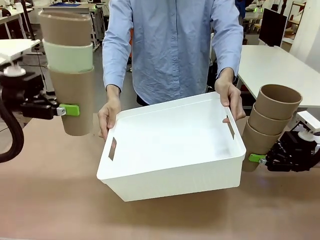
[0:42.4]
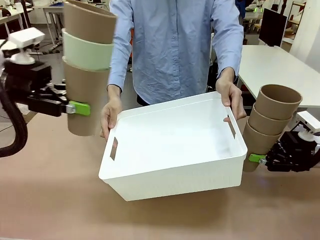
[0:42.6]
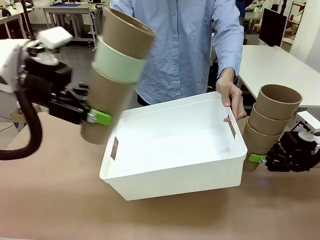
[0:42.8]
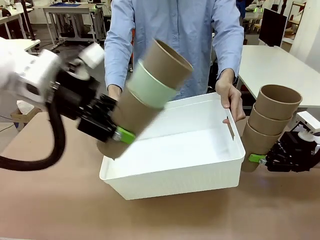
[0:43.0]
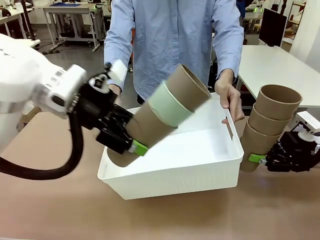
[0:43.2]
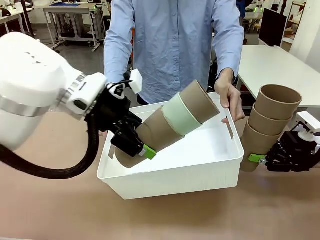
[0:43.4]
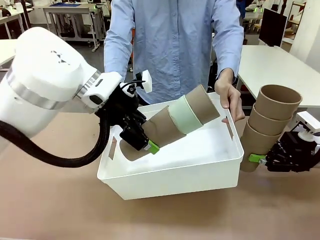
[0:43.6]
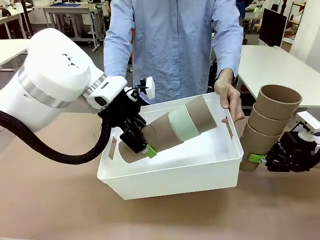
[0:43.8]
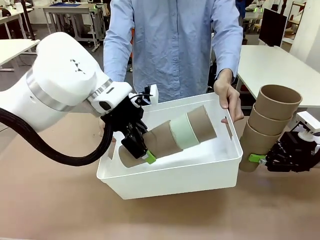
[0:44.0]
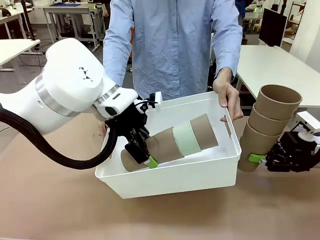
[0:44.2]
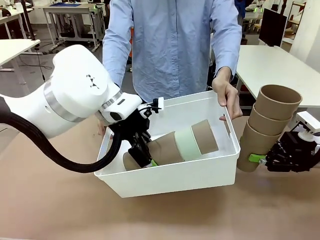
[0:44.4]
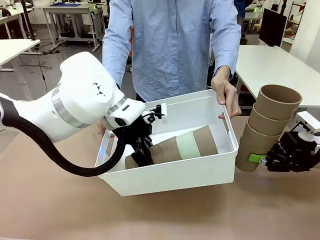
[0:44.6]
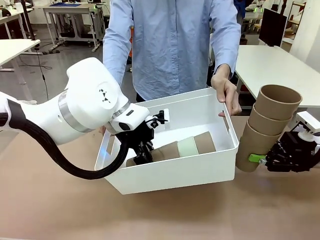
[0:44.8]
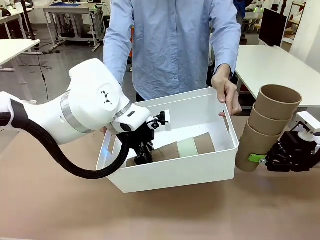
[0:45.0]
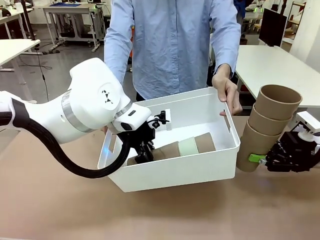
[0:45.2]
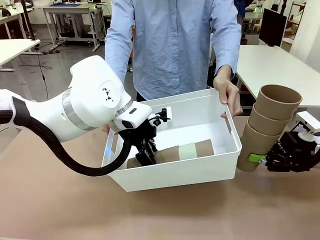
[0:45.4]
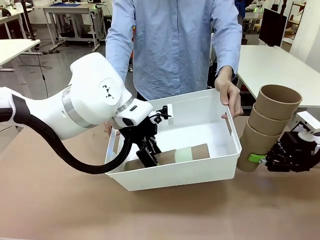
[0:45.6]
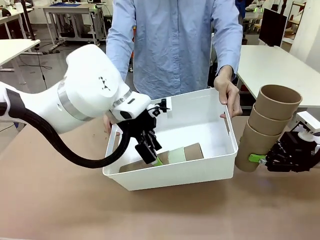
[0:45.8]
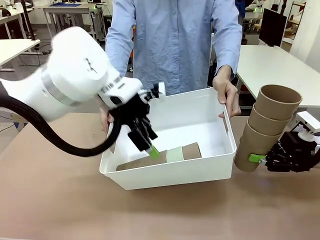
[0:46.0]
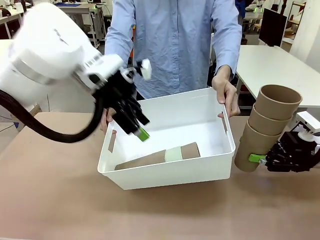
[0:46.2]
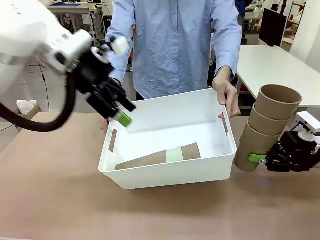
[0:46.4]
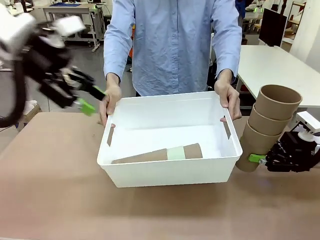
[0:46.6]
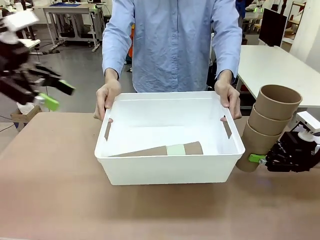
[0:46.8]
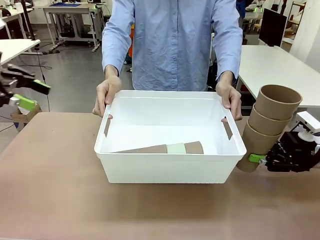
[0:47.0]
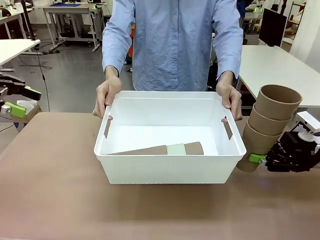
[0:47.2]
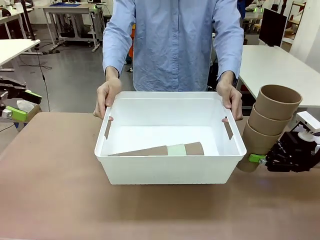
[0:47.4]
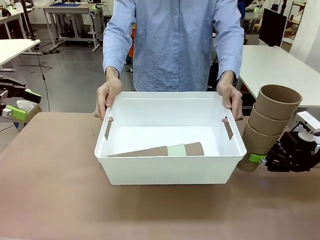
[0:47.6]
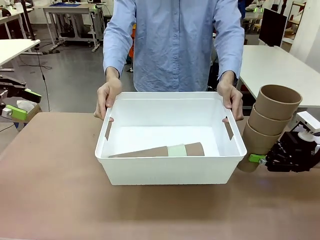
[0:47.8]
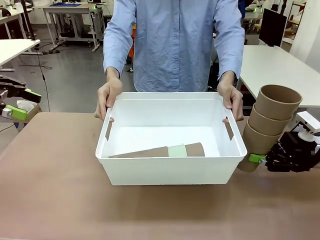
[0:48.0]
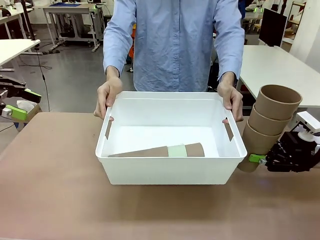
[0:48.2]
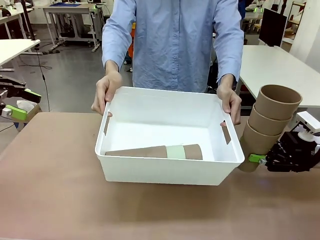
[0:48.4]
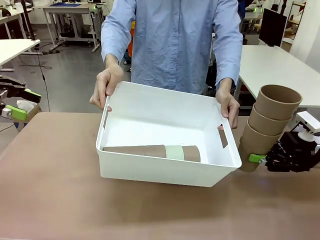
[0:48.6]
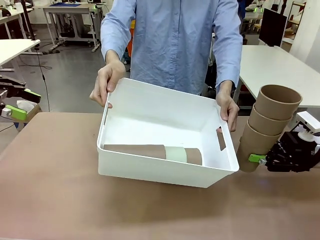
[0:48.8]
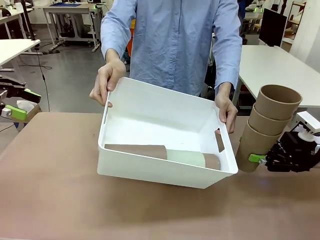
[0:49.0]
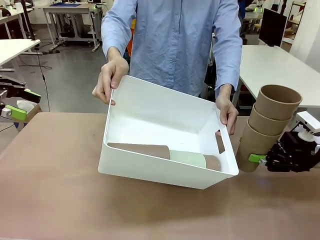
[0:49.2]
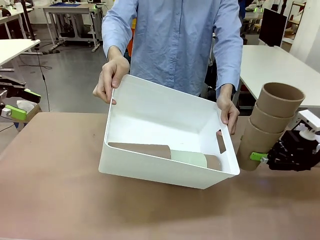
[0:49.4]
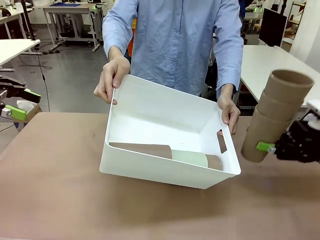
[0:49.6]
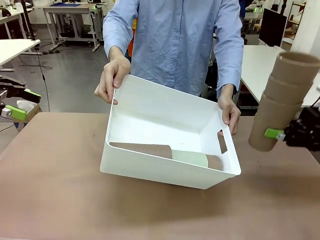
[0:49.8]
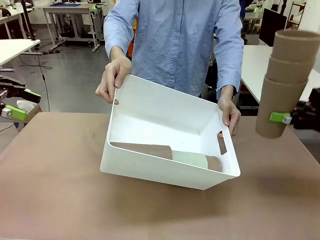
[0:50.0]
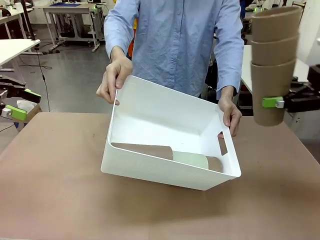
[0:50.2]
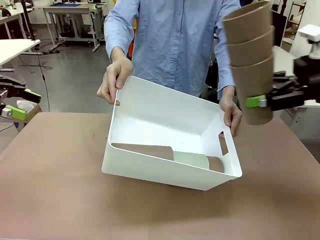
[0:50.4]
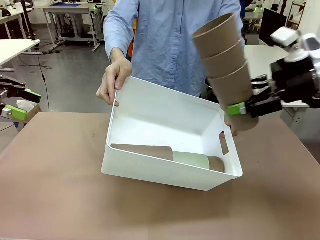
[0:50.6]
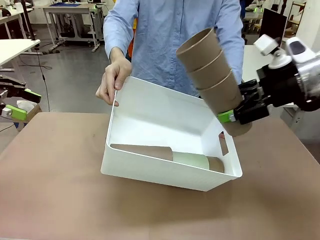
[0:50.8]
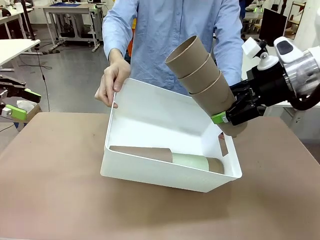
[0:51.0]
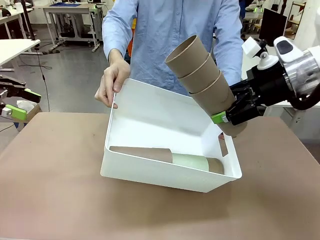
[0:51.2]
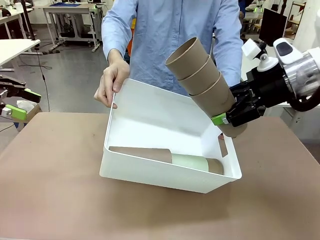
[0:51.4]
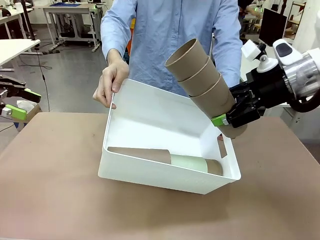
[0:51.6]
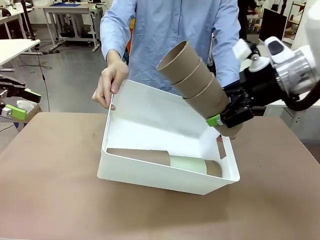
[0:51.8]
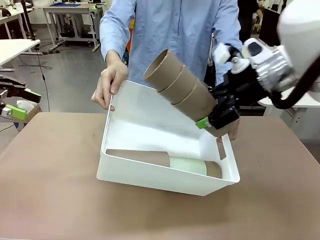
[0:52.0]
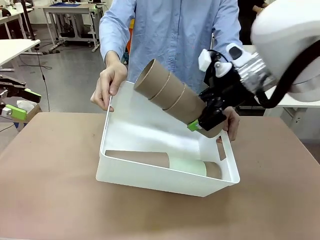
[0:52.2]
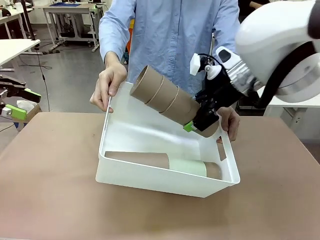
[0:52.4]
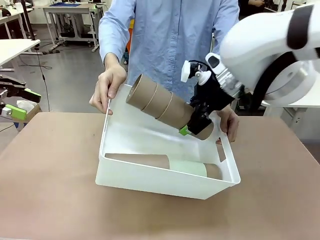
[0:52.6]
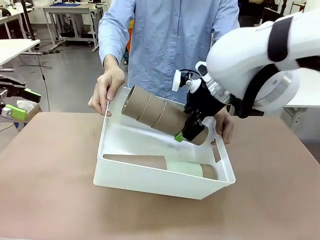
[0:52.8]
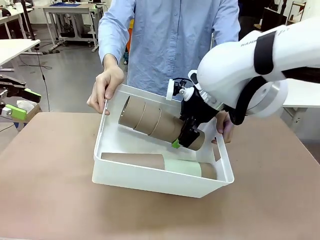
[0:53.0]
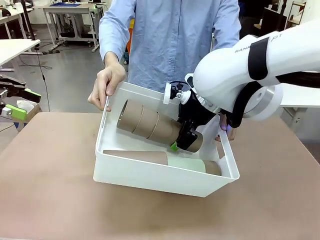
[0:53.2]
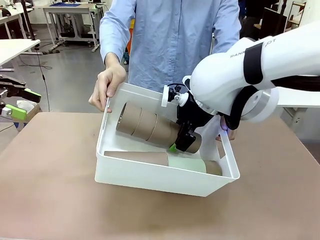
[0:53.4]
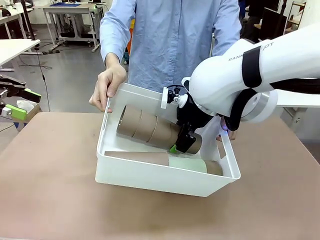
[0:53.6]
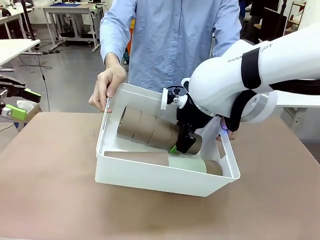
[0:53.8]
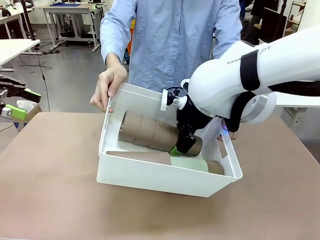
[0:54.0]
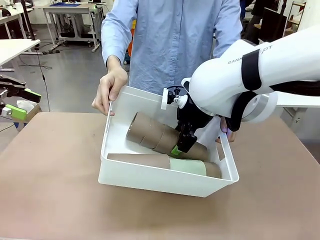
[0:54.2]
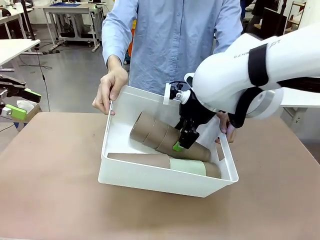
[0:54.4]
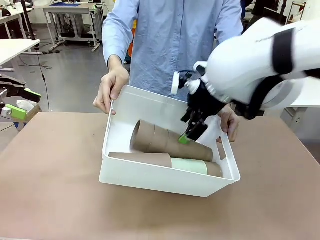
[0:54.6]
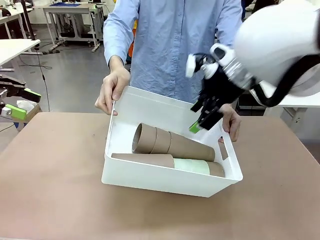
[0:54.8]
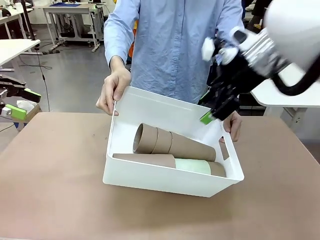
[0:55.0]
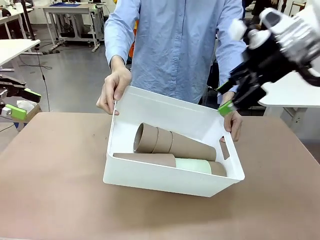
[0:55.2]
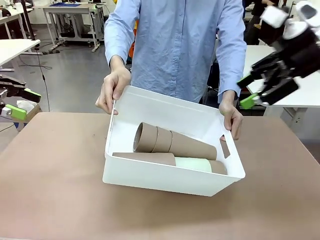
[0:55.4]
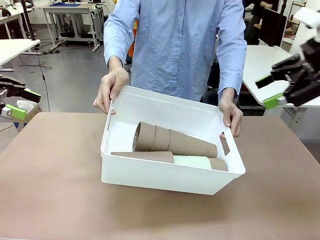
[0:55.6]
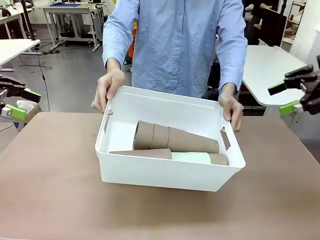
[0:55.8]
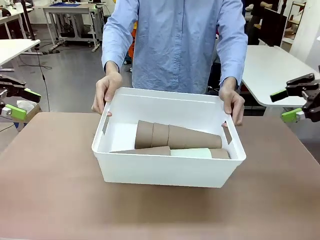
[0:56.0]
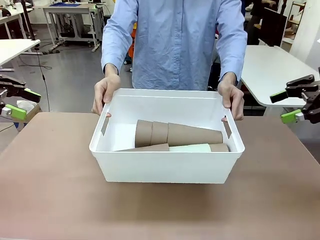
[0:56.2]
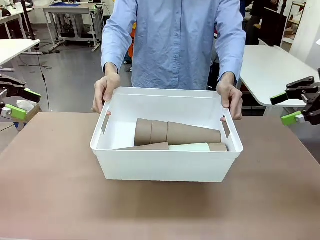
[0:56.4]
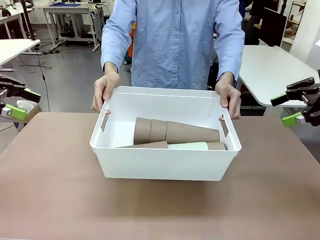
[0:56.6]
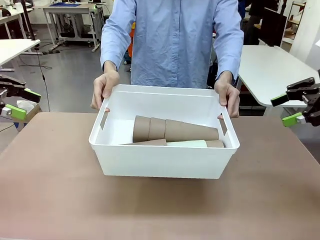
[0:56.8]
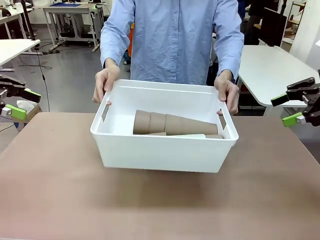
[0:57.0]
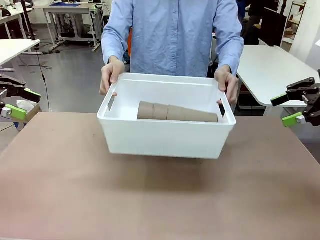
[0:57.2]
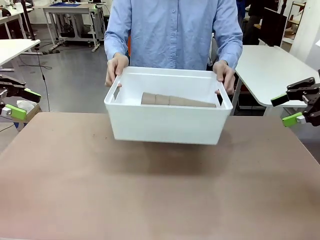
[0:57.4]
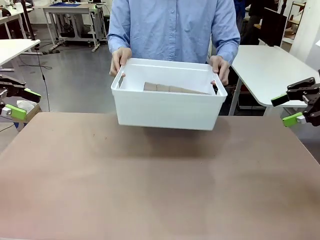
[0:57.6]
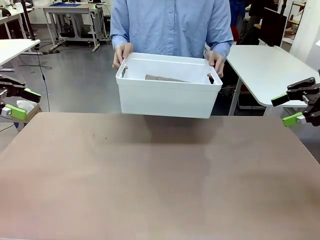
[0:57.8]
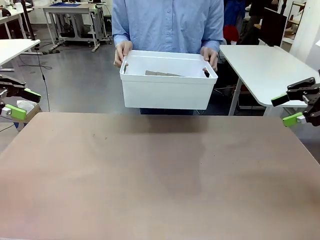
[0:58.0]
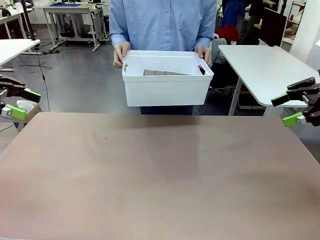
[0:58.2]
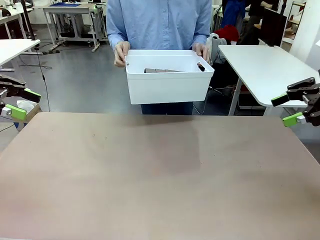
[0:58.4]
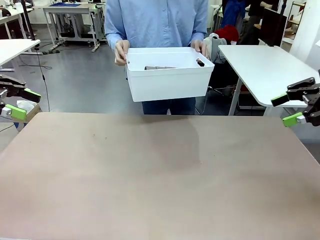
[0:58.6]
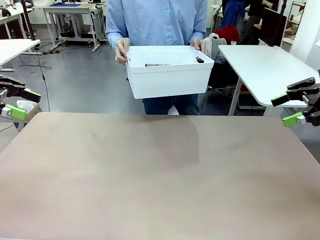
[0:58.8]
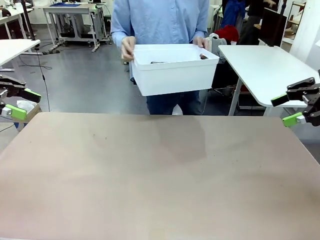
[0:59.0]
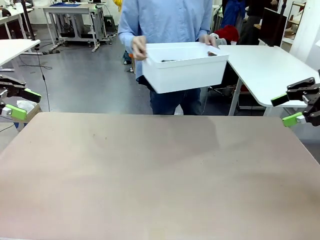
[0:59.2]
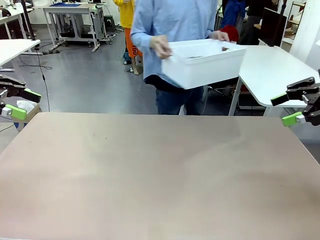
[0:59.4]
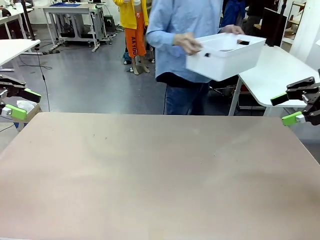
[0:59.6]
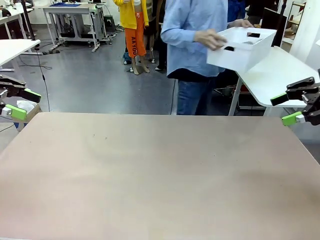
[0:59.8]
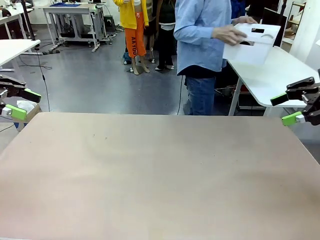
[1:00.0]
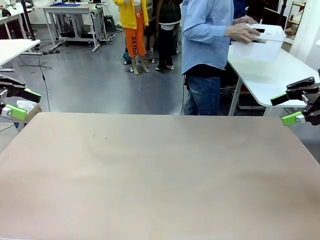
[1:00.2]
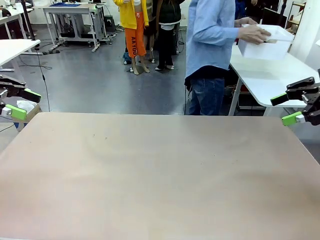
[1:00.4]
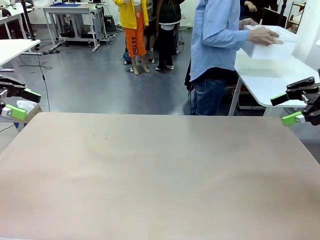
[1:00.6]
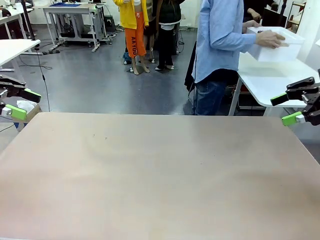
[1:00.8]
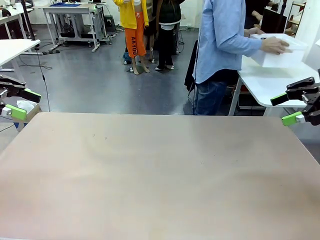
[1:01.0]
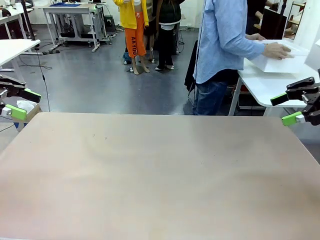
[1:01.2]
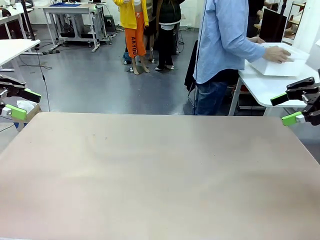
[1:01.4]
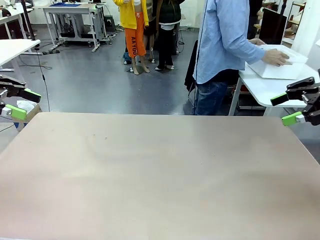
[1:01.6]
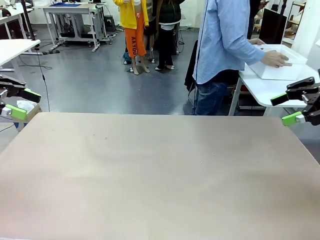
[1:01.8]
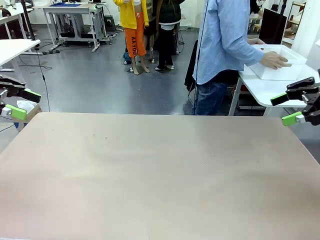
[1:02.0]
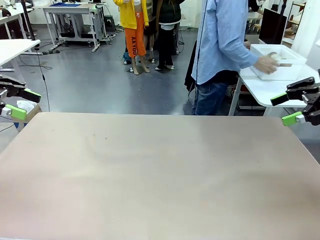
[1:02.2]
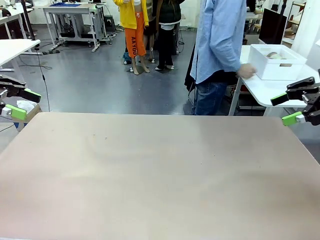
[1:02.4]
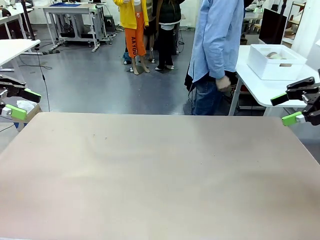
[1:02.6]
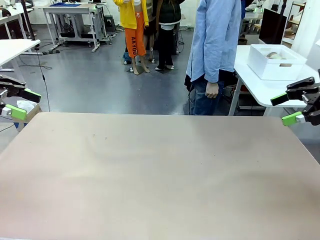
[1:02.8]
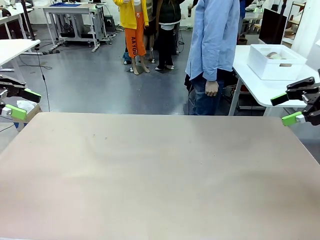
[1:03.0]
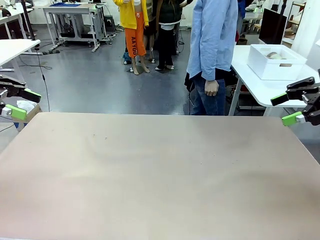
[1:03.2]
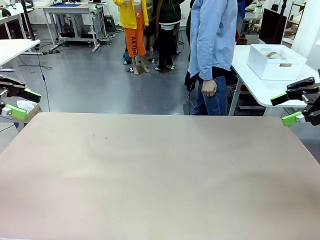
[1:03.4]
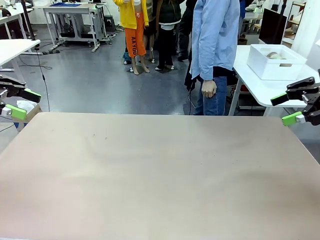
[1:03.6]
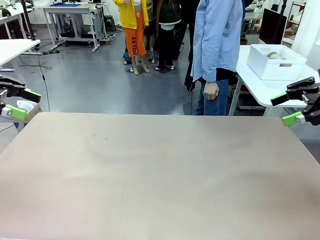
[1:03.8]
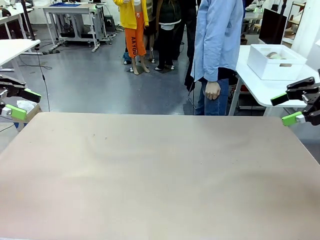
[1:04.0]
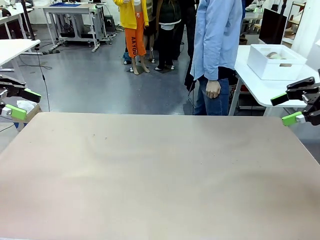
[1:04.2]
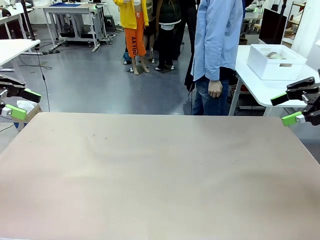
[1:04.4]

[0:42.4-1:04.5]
Task: Stack the cups and store them in the basket.
Robot: Place the stack of Reusable plastic cups into the Pantry Basket.
Person: Place the basket containing the cups in the middle of the Human Table.
